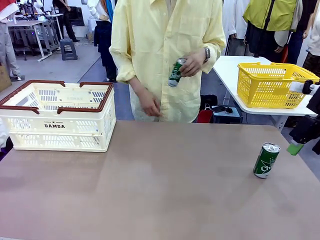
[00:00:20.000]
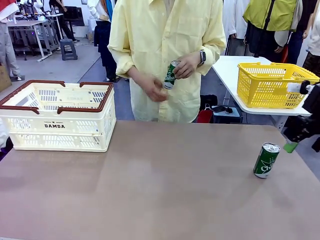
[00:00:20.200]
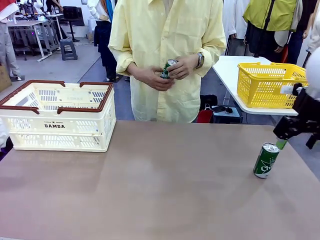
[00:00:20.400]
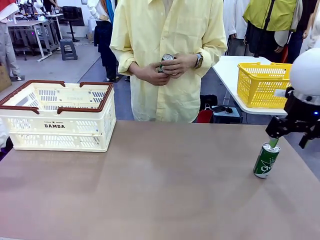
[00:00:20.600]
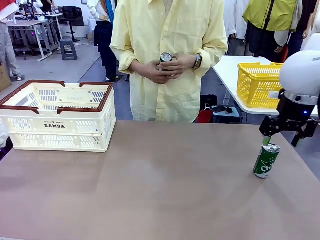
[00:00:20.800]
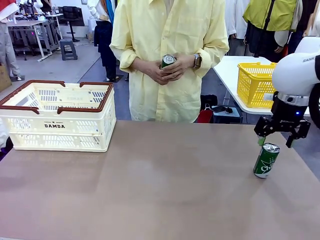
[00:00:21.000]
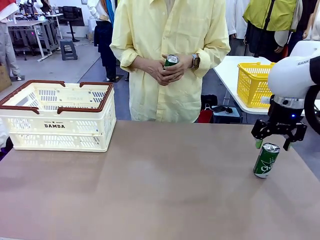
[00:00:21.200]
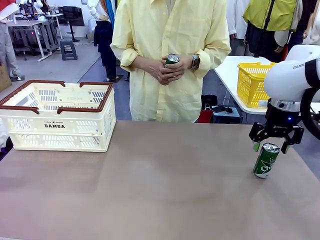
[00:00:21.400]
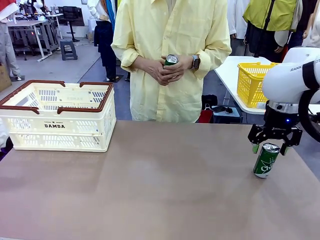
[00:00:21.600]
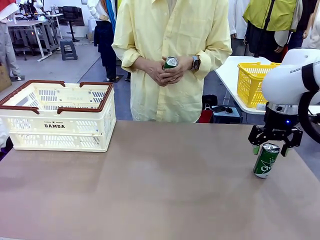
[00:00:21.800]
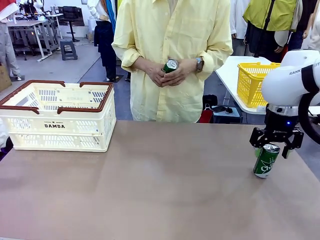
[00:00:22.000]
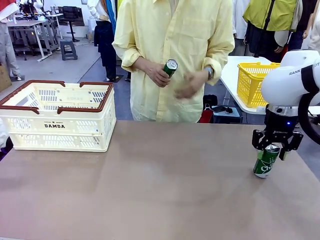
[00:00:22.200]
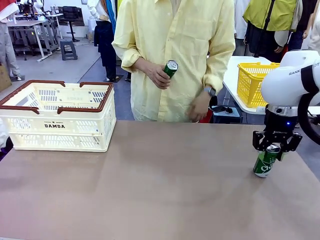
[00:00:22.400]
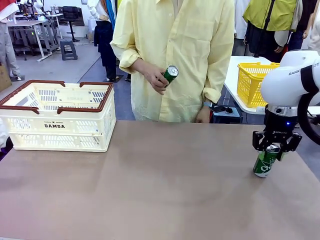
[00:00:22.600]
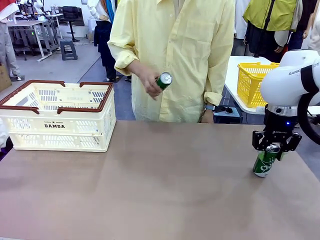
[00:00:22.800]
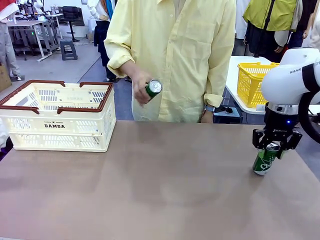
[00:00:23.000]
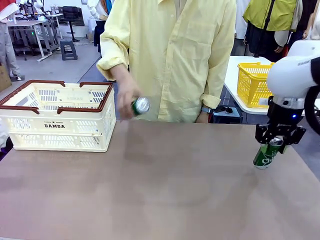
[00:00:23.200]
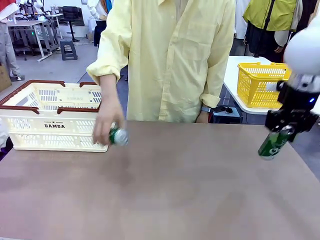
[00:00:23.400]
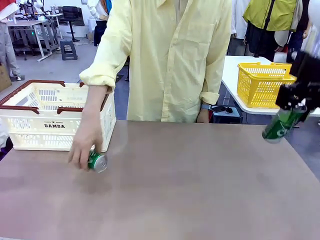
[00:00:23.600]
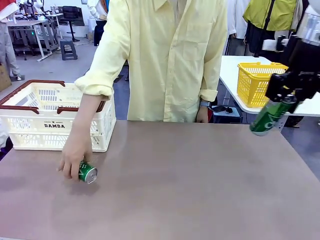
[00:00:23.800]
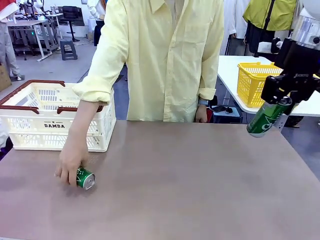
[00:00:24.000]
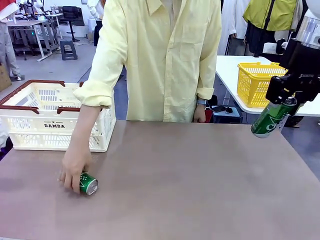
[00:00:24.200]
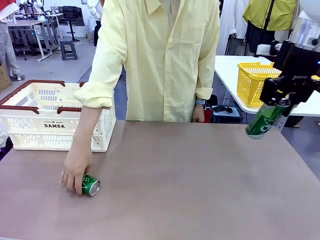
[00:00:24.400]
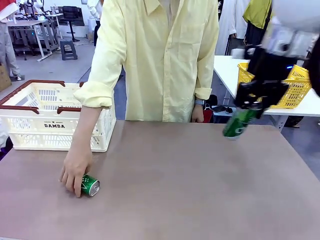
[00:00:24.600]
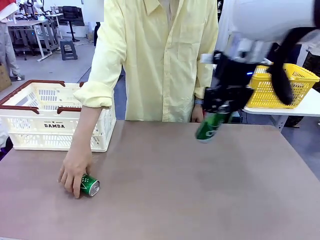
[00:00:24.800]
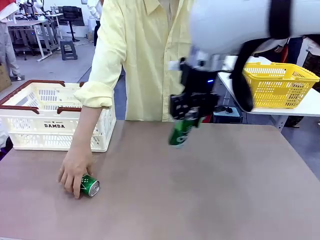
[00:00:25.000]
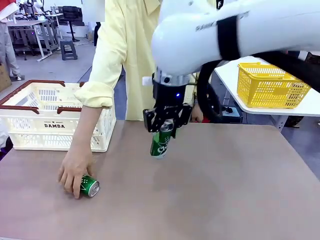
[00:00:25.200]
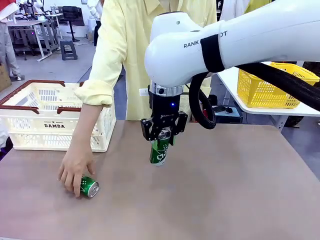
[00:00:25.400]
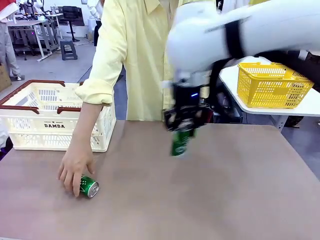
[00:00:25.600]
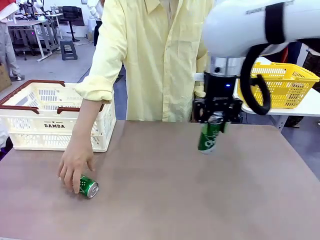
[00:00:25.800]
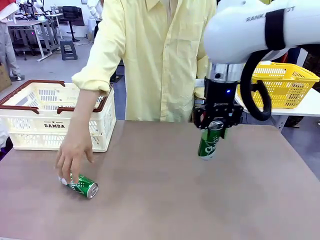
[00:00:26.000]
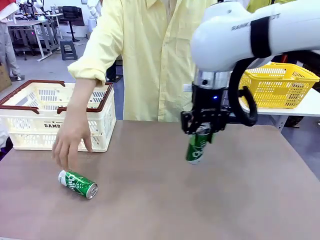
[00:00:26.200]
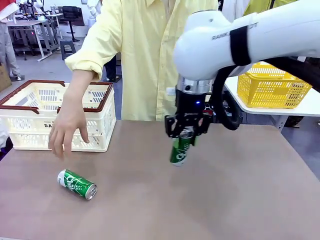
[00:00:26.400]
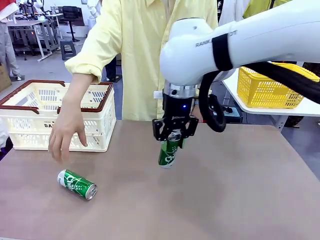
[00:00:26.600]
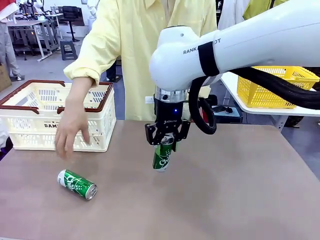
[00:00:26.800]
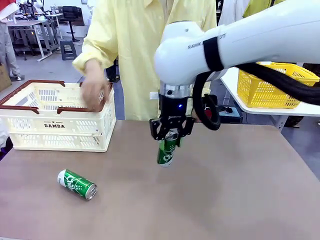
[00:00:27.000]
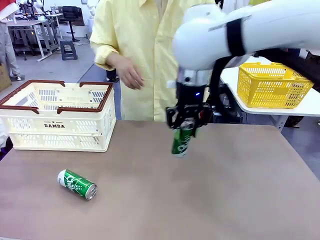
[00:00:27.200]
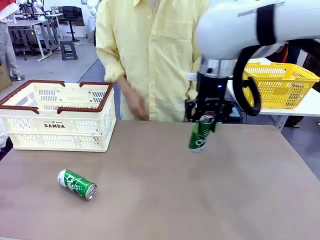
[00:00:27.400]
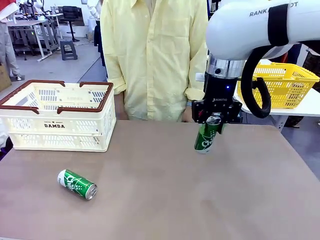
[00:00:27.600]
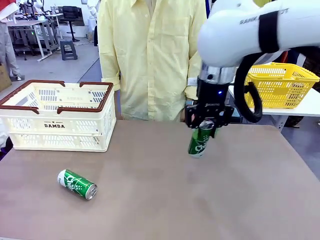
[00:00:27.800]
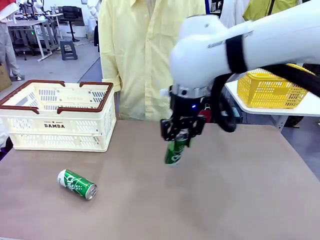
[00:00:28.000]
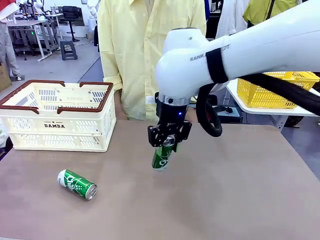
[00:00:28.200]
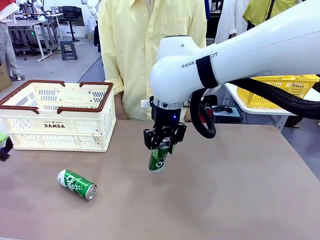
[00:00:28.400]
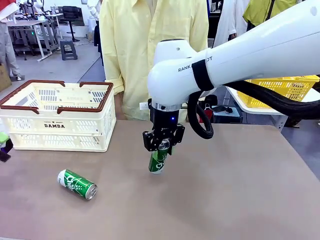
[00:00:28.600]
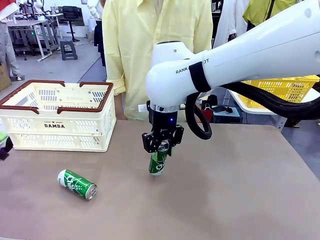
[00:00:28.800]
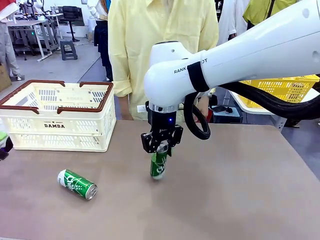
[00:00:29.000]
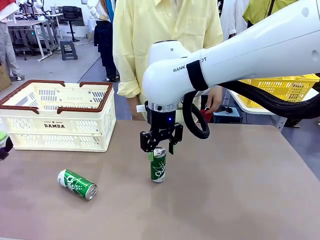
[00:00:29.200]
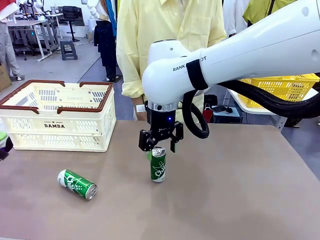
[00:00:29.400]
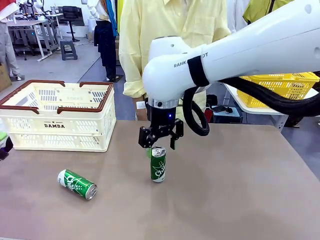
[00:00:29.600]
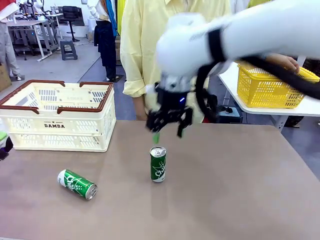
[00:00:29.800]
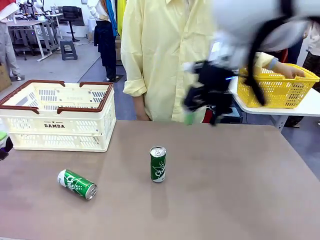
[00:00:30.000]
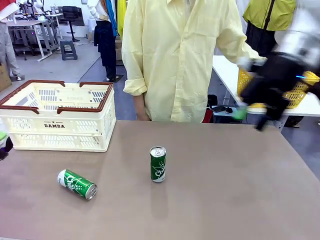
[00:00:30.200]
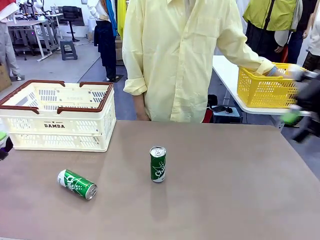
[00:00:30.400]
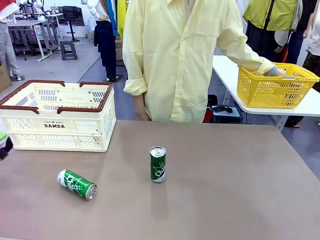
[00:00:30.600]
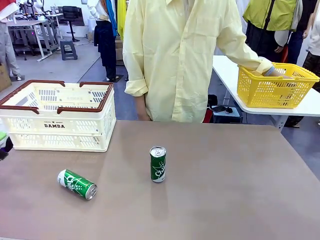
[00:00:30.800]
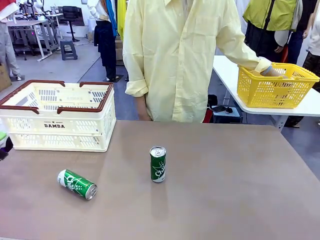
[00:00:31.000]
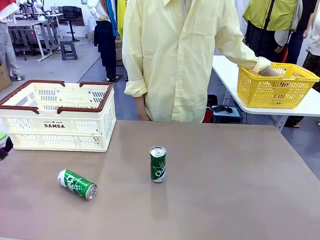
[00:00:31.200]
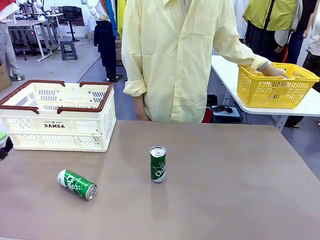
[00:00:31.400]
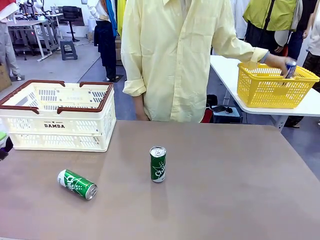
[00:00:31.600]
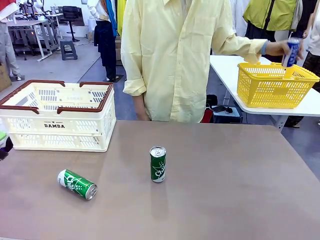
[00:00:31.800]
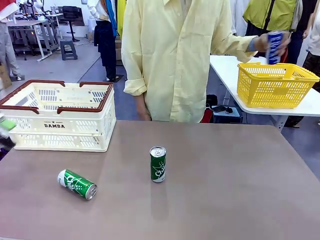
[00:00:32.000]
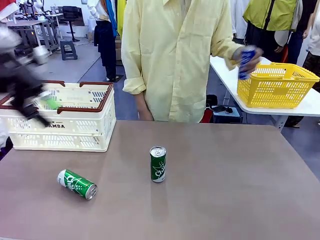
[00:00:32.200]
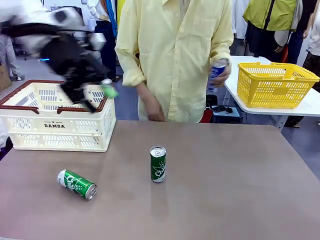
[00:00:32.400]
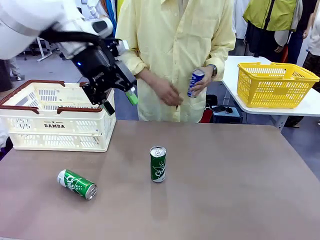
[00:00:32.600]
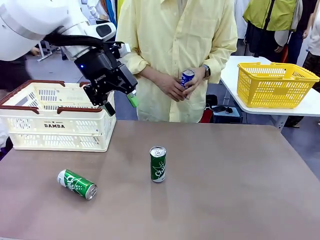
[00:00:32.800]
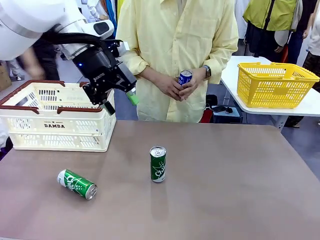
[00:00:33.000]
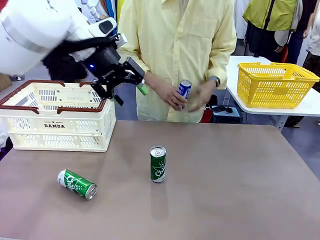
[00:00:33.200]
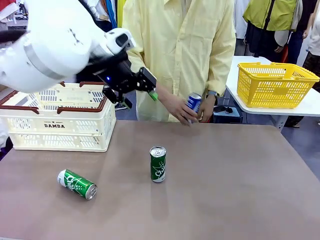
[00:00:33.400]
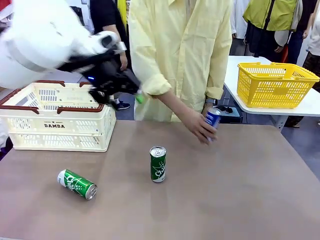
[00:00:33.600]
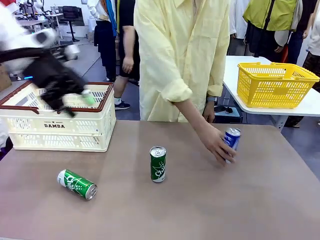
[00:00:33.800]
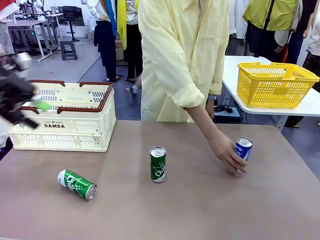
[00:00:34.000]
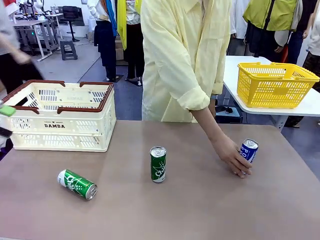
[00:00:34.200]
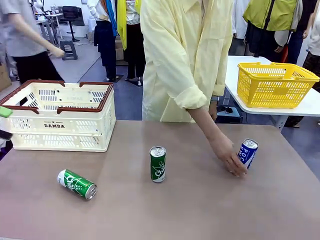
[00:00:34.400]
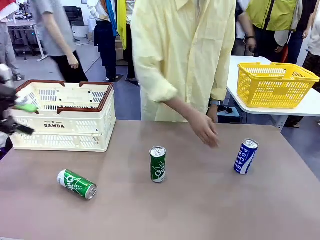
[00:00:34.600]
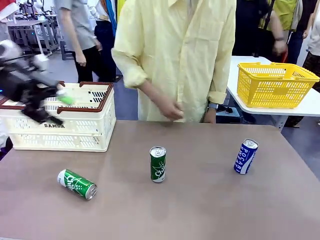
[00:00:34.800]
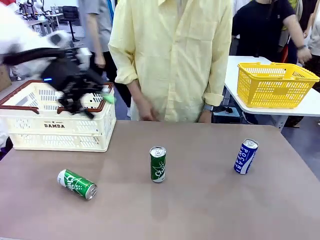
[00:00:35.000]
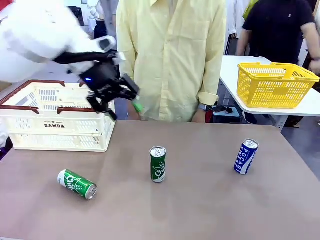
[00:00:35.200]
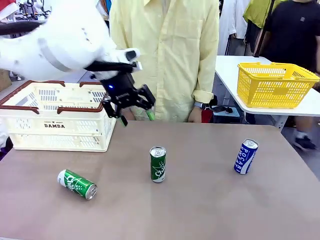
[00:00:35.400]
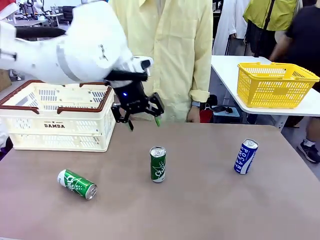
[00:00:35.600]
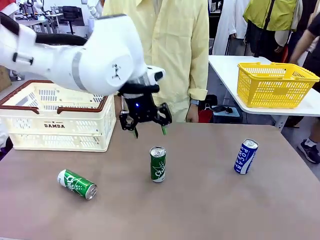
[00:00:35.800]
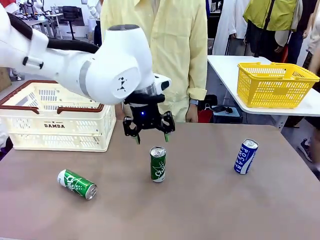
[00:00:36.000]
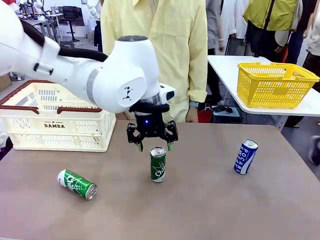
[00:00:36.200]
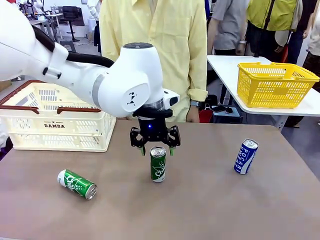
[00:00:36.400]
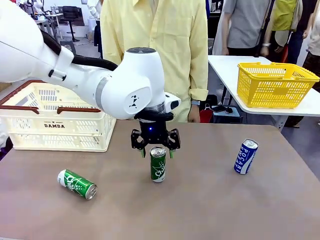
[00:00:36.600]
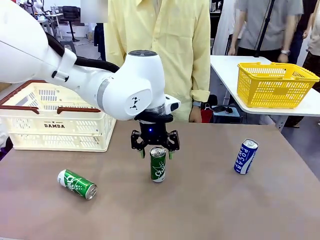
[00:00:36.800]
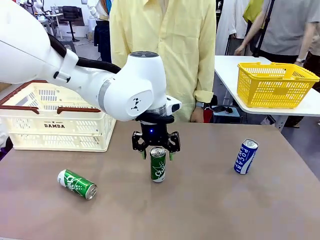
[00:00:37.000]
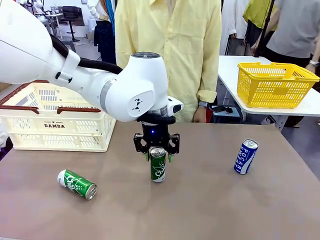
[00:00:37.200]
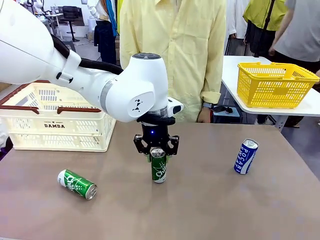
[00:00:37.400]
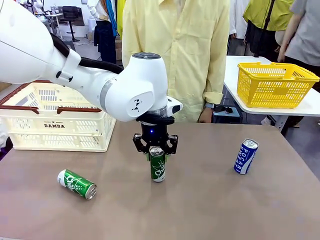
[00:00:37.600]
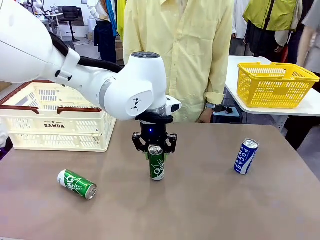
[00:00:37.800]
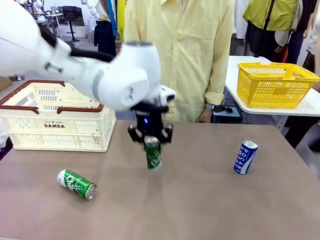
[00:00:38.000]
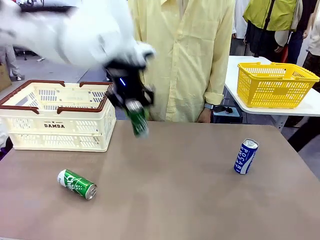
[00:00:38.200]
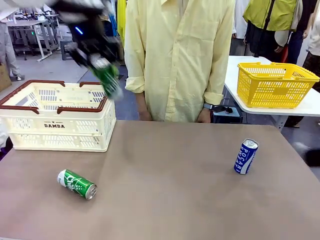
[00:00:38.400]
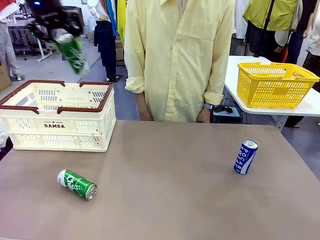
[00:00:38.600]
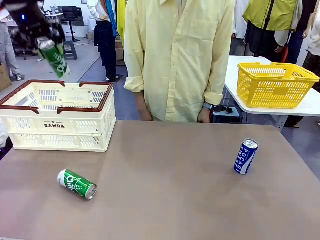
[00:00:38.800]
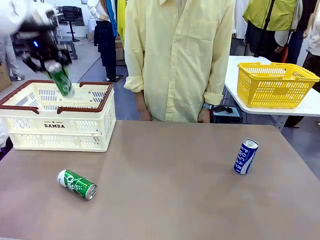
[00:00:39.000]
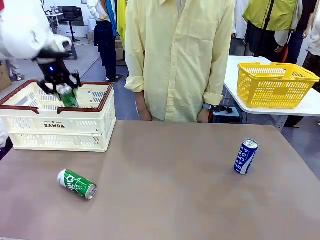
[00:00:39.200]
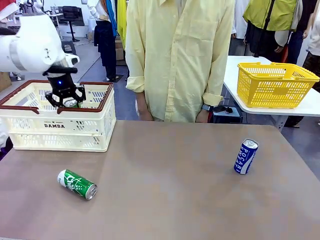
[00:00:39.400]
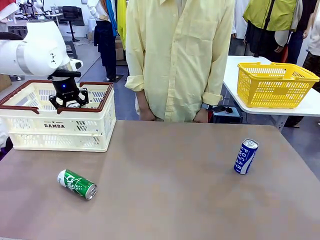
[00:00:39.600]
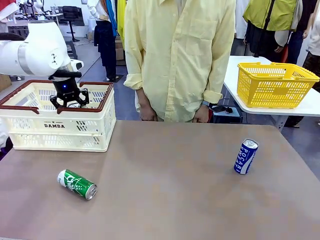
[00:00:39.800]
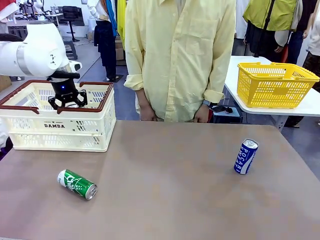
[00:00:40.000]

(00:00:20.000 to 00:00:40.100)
Task: Place the drinks into the Shopping basket.
Robot: Pick up one drink and place it into the Shopping basket.
